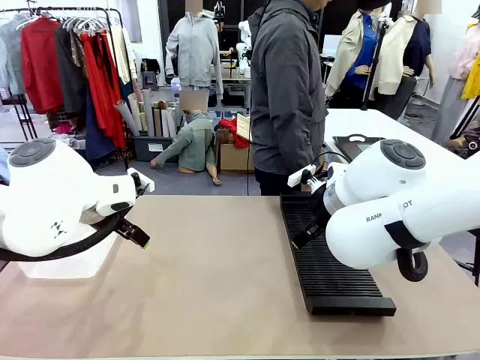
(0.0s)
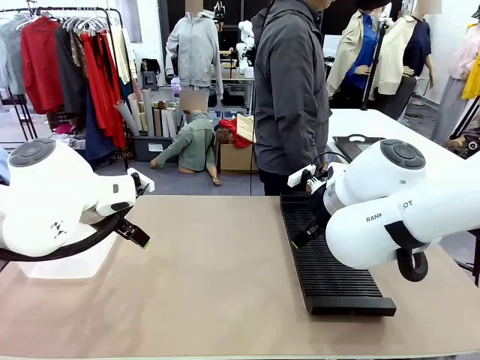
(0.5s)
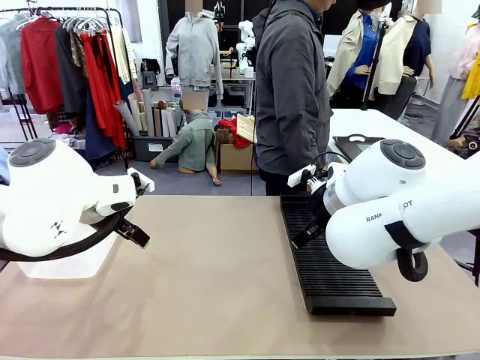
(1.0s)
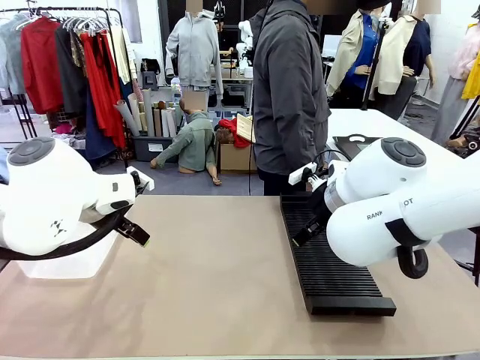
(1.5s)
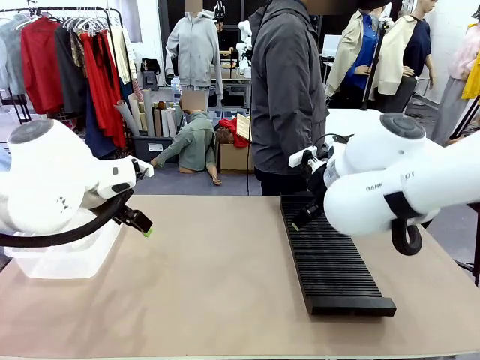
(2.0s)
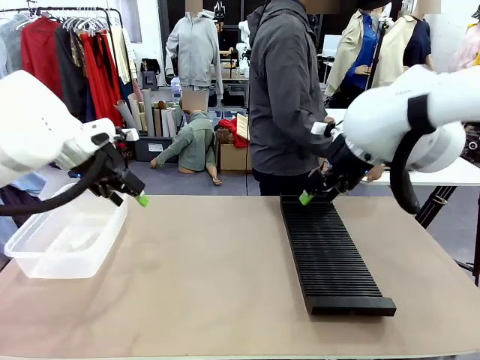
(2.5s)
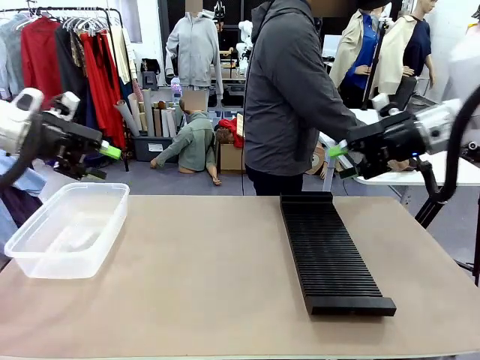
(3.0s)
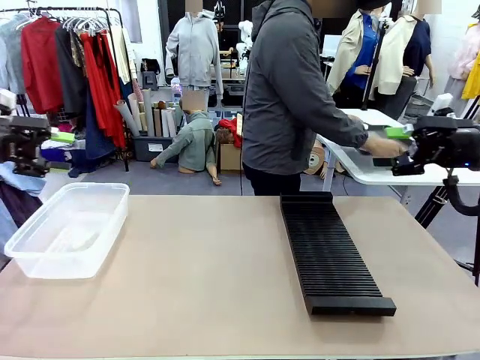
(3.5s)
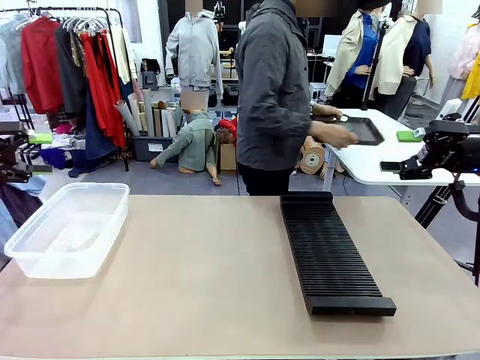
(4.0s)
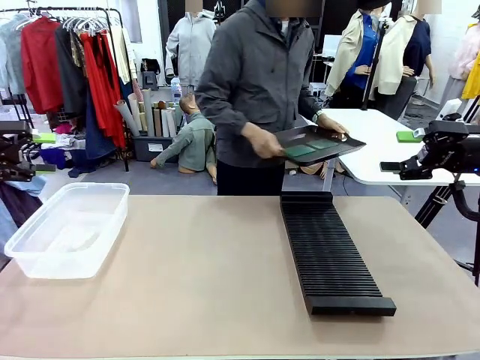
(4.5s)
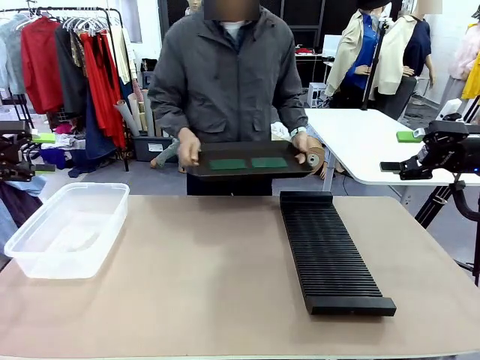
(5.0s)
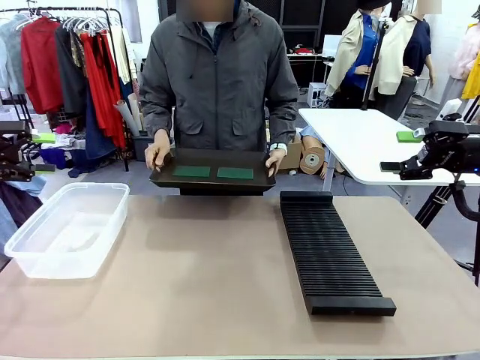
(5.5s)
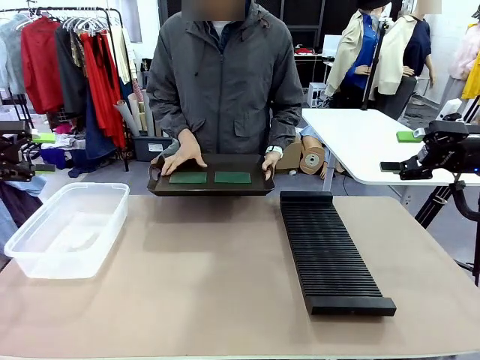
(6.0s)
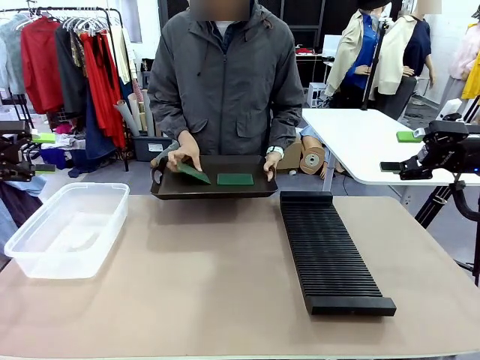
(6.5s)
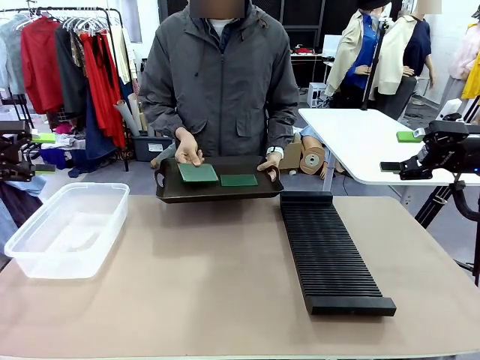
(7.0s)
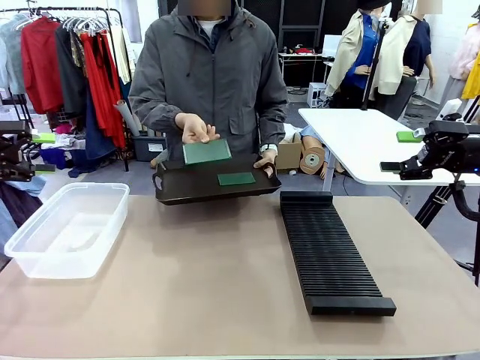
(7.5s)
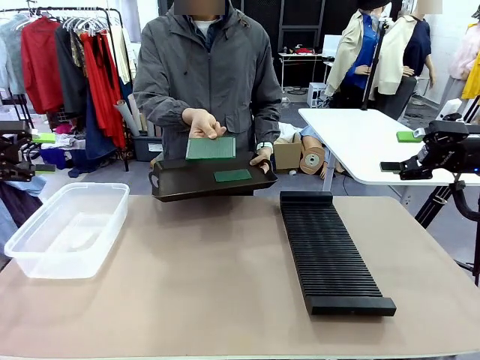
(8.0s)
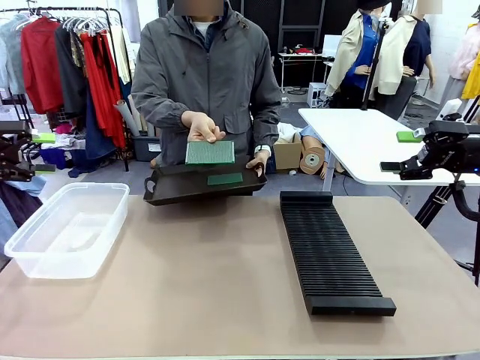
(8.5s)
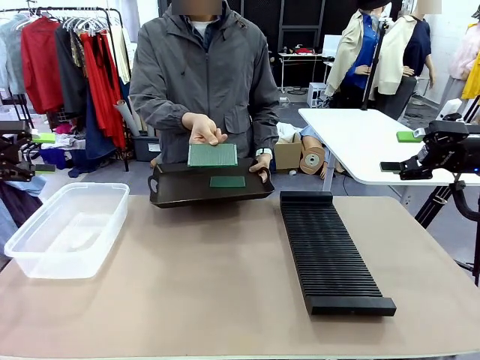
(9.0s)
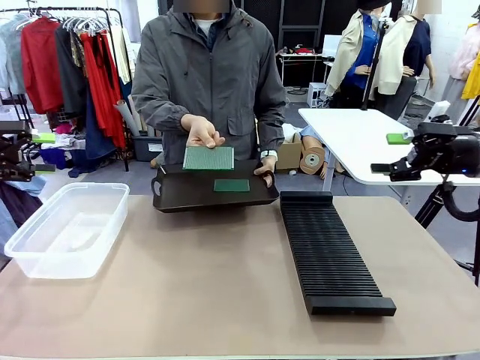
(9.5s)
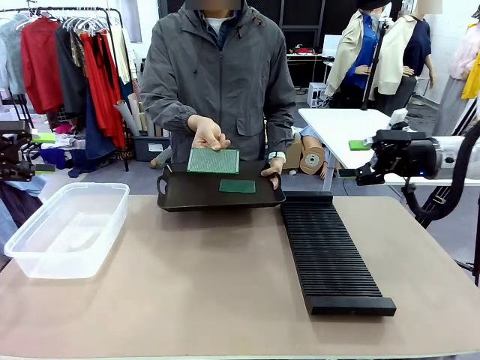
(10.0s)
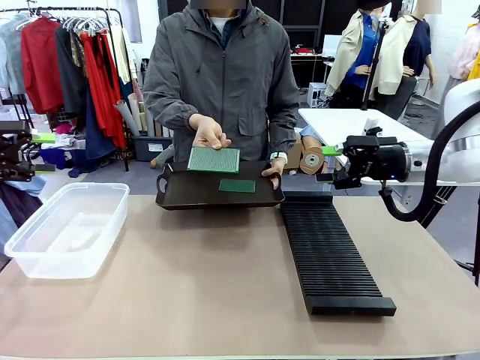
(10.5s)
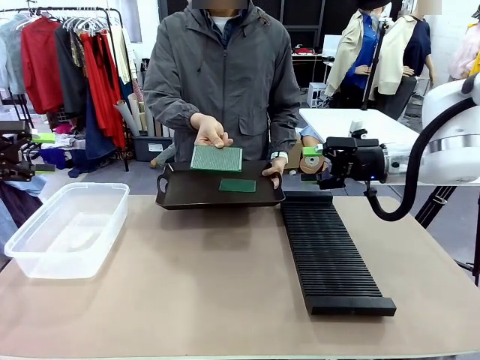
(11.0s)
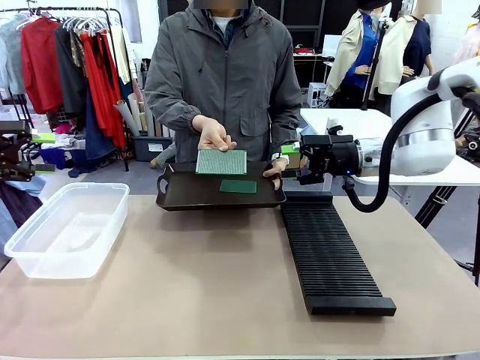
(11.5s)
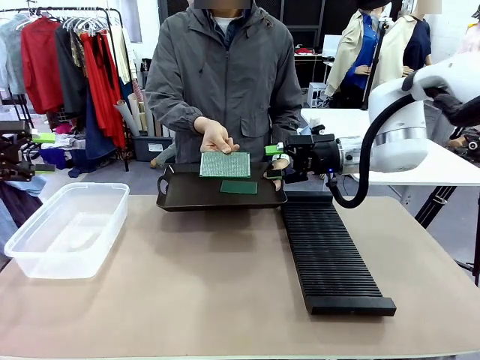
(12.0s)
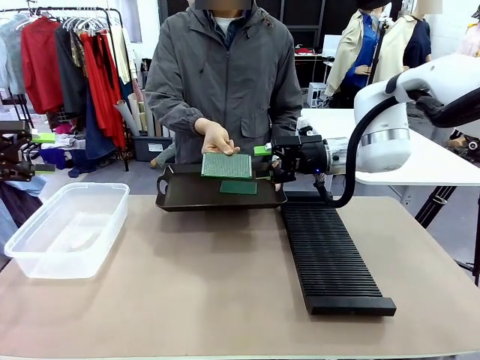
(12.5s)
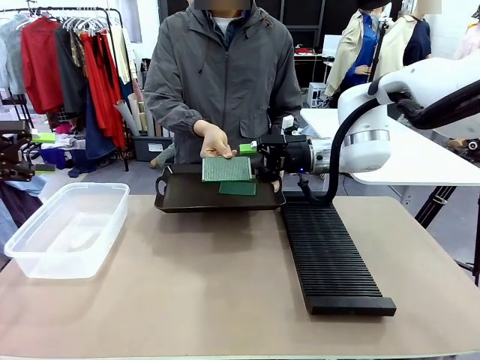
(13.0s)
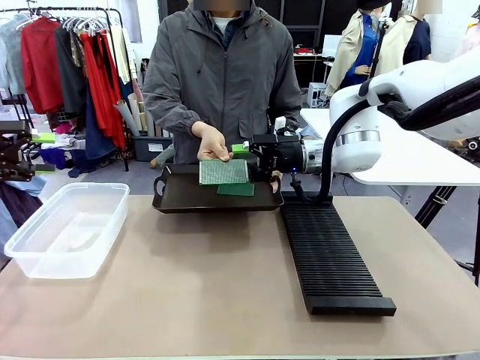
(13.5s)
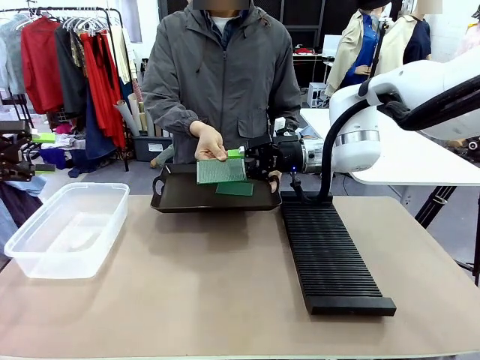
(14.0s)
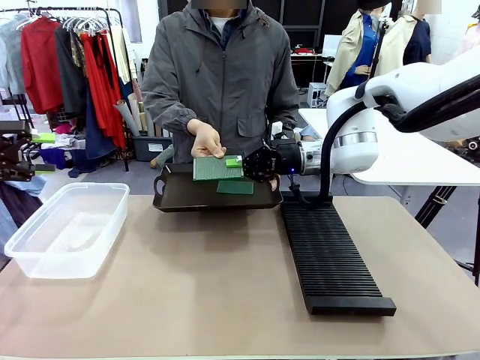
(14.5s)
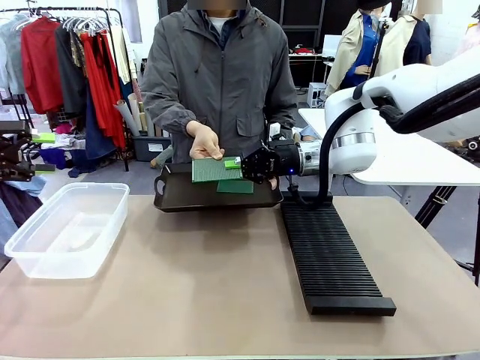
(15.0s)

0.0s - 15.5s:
Task: Sort PCBs into racks and boxes based on the side picked up.
Robot: Pick up the Blank PCB handed by the Human.
Person: Pick one PCB from the tray and present it to the robot. Release the PCB being held.

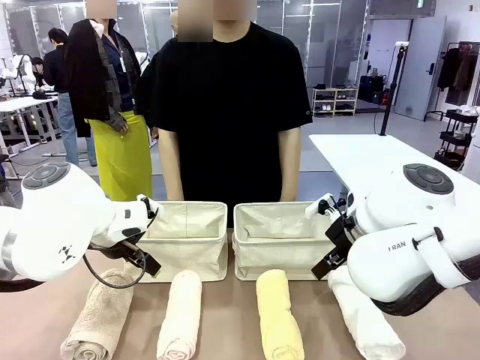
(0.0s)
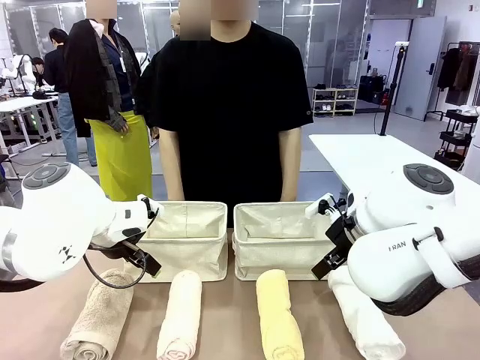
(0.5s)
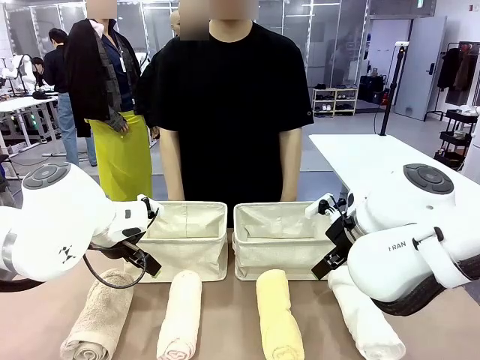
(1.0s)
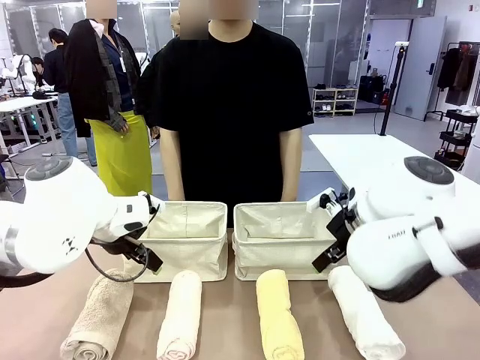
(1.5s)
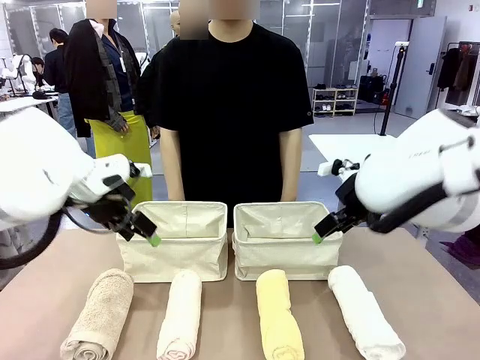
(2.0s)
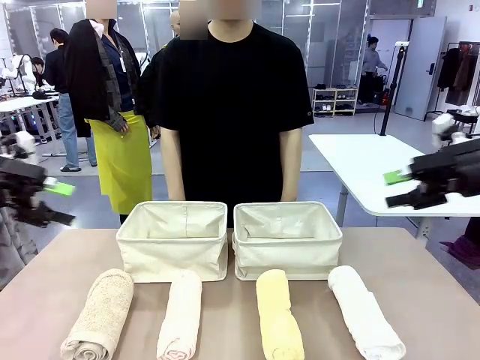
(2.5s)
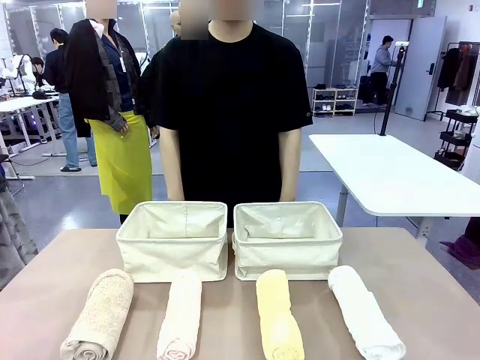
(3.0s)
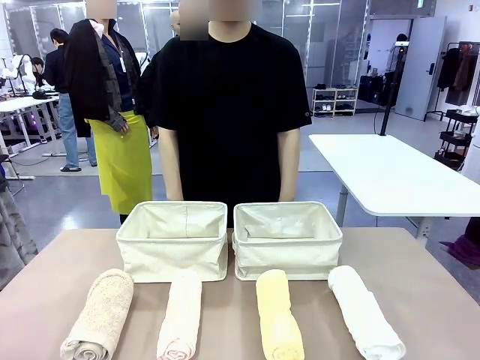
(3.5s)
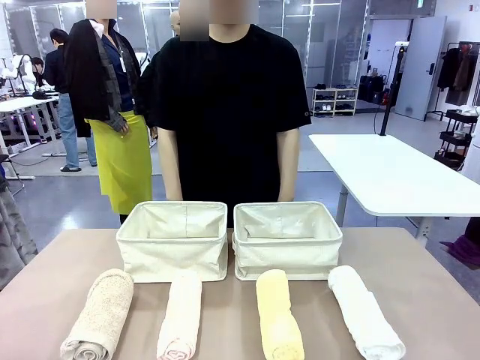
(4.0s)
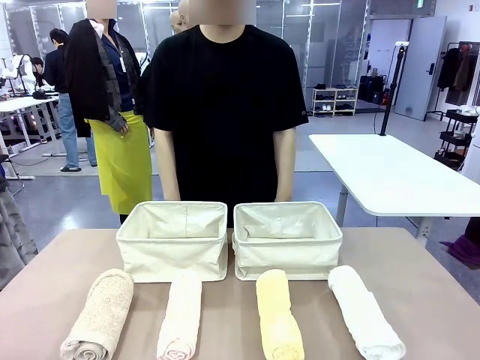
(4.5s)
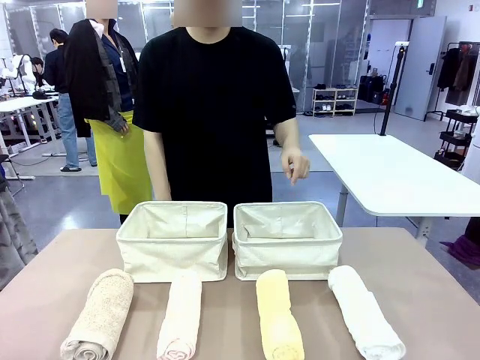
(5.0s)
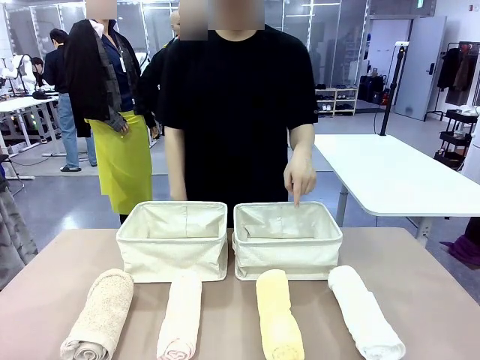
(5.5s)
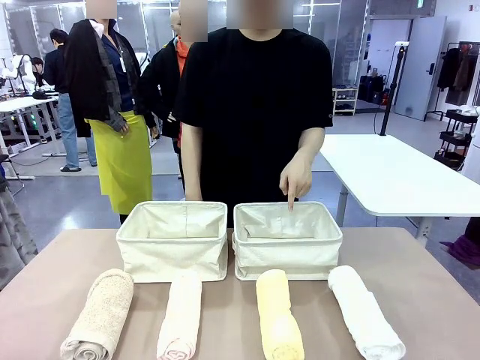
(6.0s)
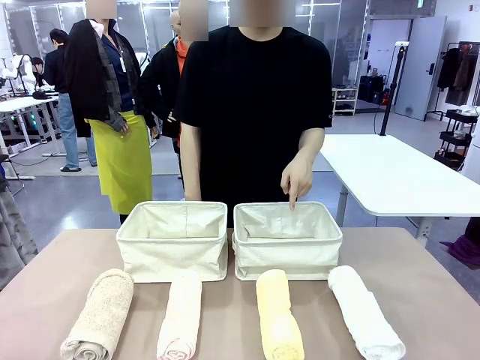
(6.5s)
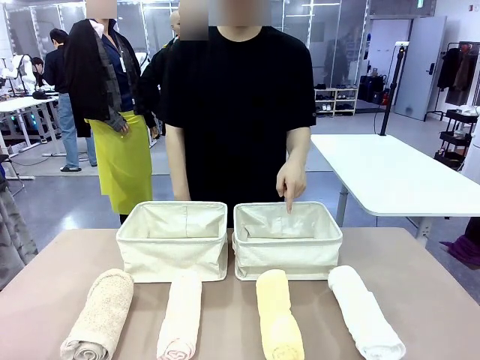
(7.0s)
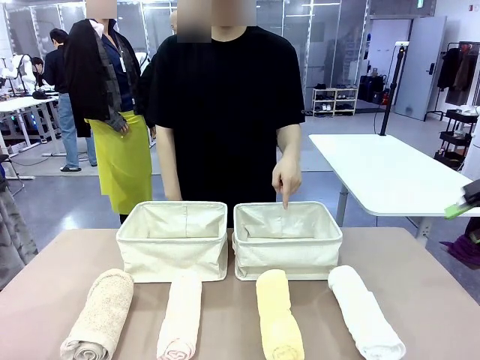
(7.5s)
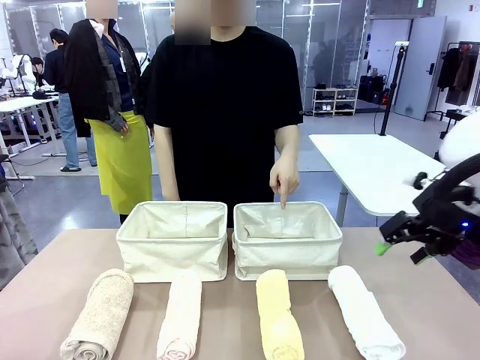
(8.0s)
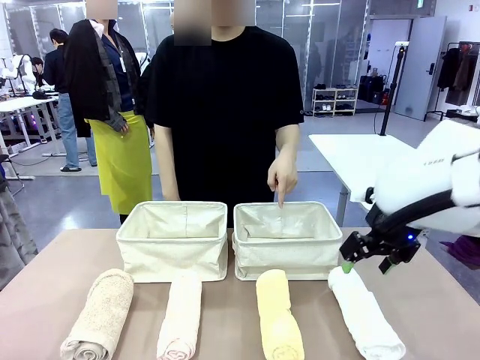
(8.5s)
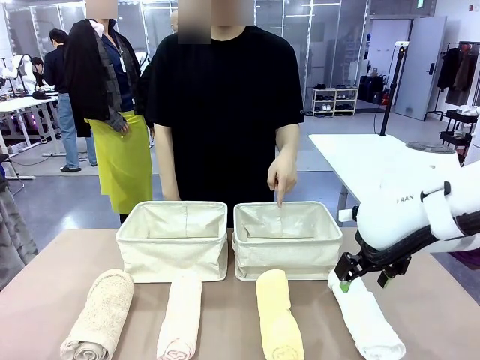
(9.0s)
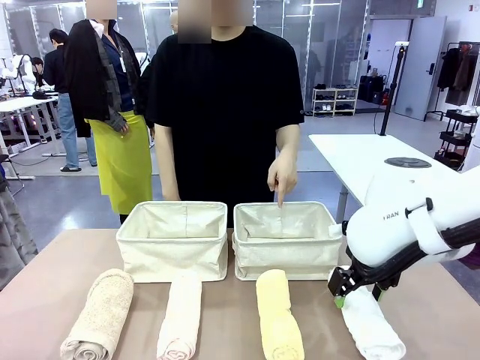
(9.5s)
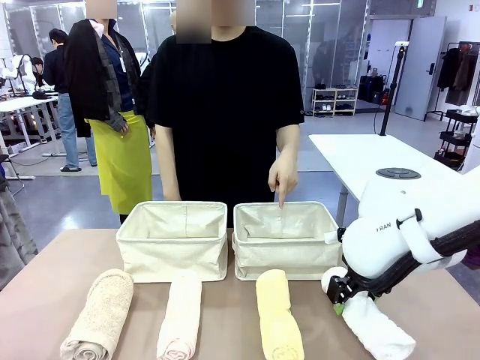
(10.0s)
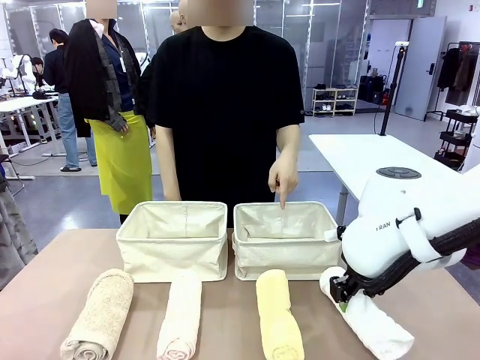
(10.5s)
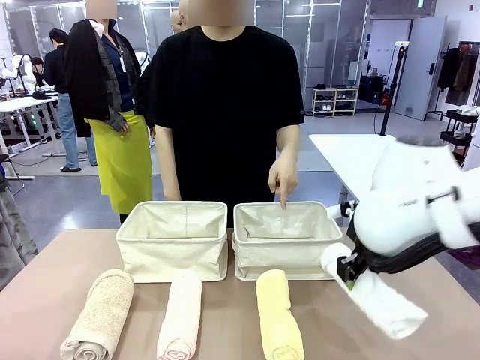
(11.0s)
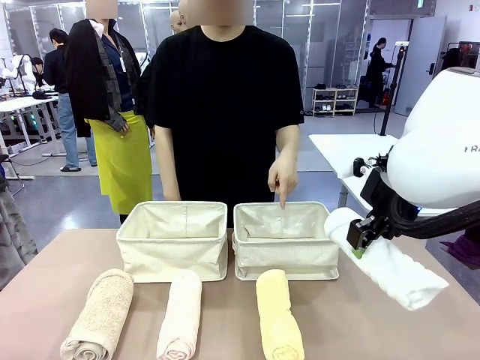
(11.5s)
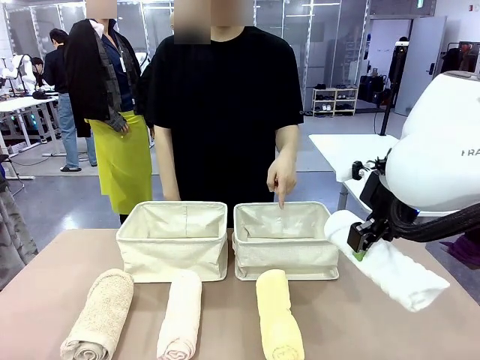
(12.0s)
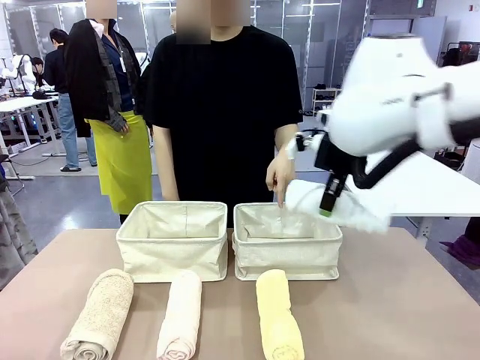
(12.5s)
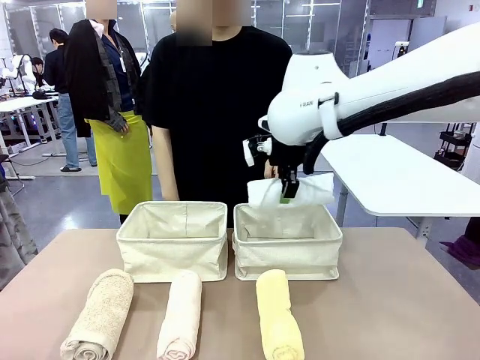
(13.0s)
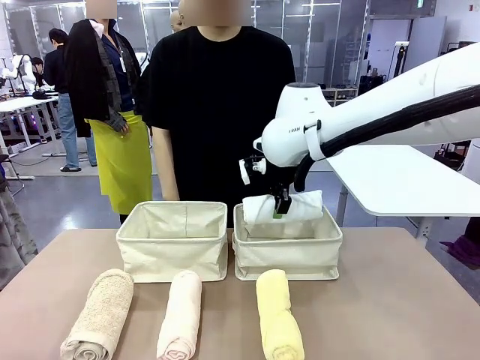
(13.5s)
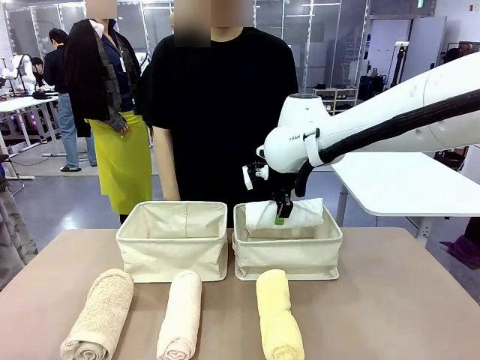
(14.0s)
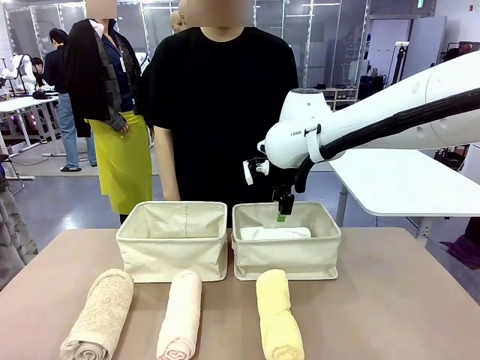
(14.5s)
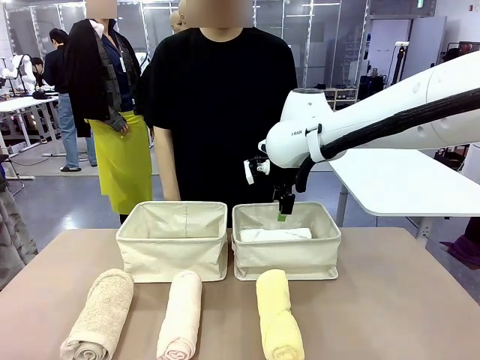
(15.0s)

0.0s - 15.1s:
Task: Divide the towels into two baskets.
Robot: Pick up one hotel-folded towel and place it in the Fabric basket indicated by the person.
